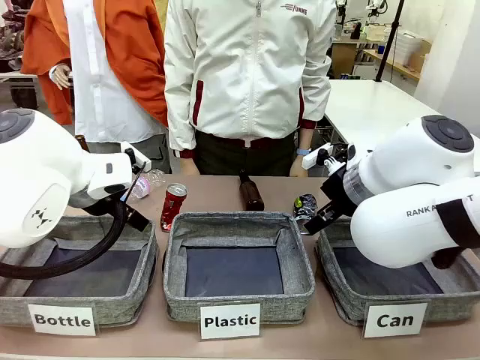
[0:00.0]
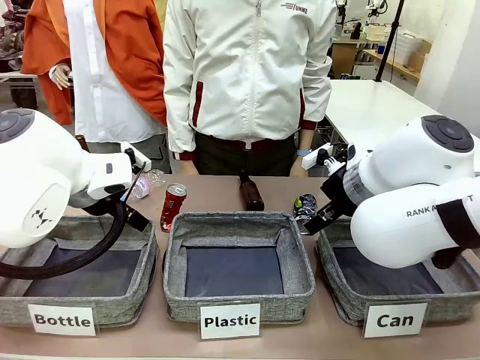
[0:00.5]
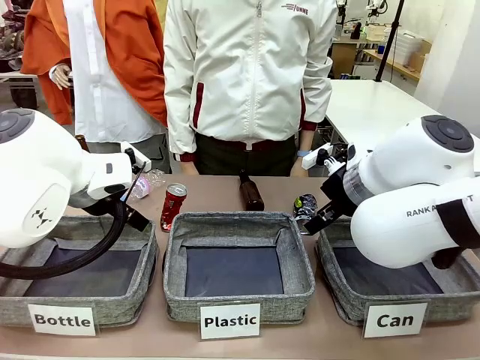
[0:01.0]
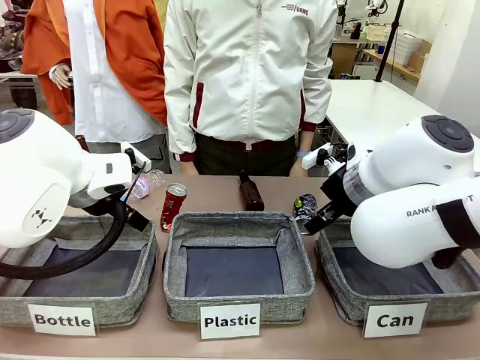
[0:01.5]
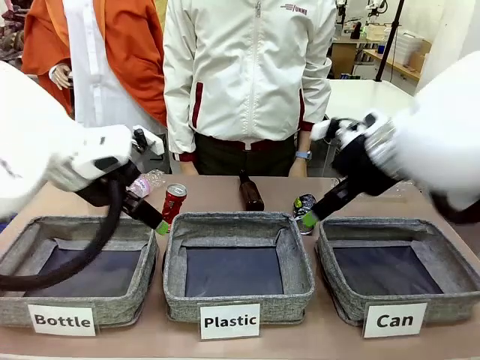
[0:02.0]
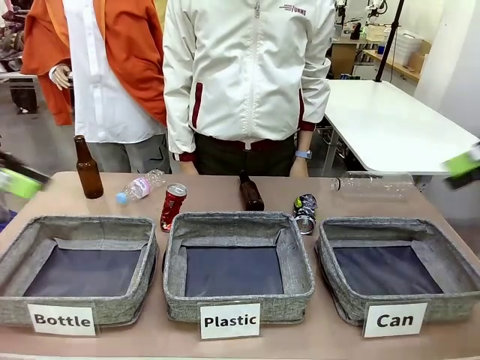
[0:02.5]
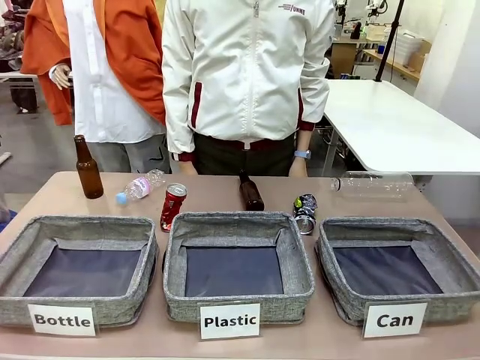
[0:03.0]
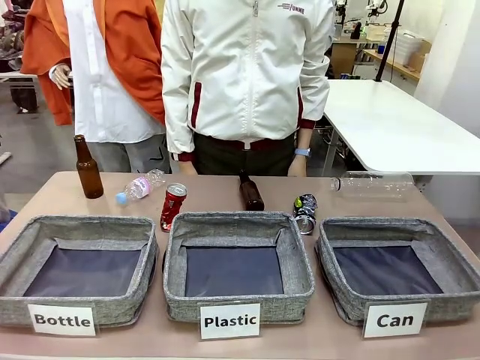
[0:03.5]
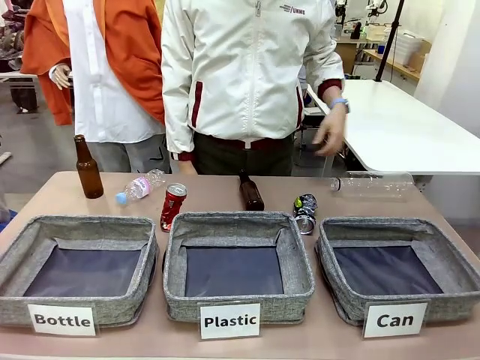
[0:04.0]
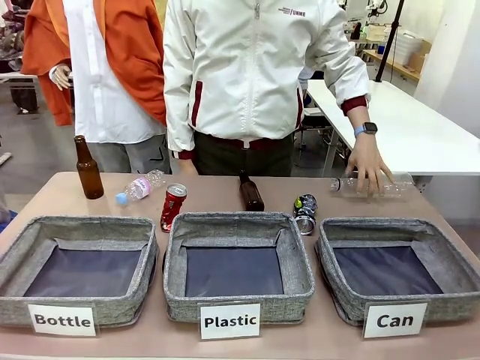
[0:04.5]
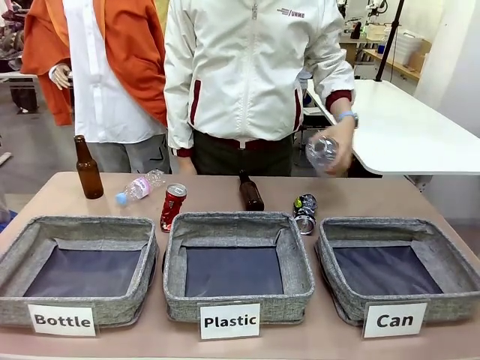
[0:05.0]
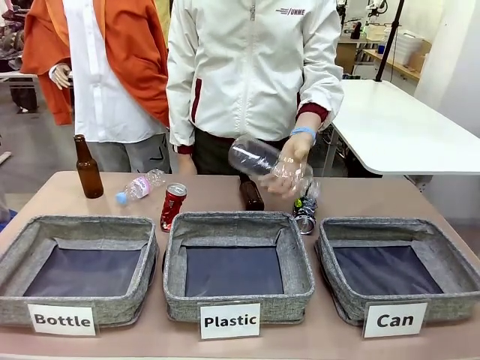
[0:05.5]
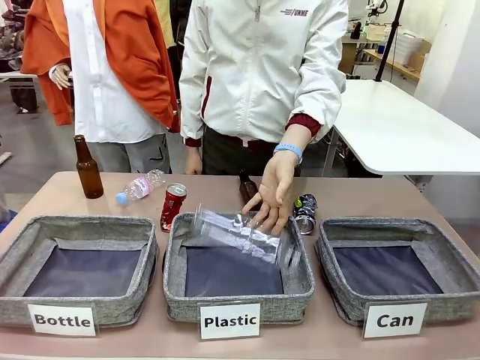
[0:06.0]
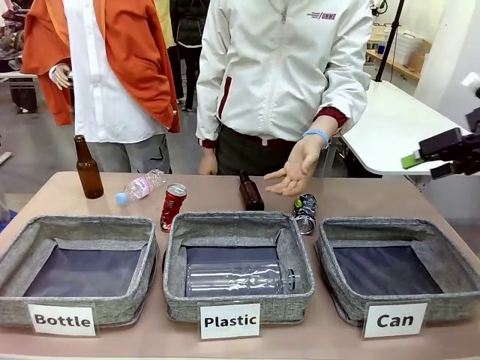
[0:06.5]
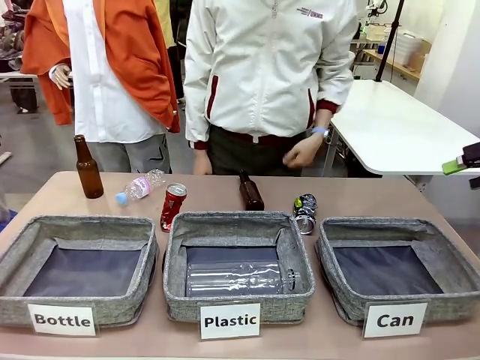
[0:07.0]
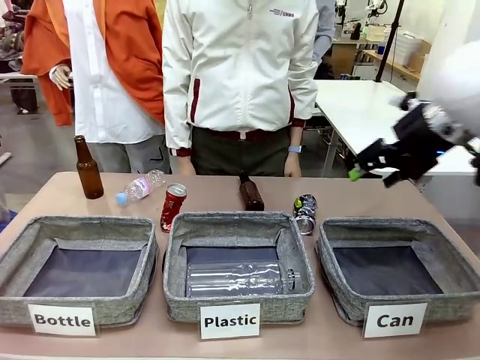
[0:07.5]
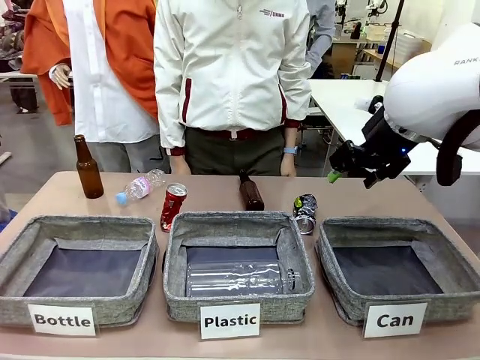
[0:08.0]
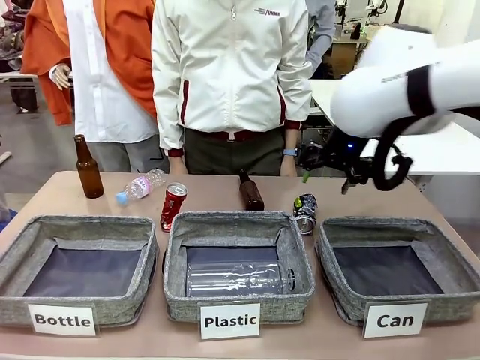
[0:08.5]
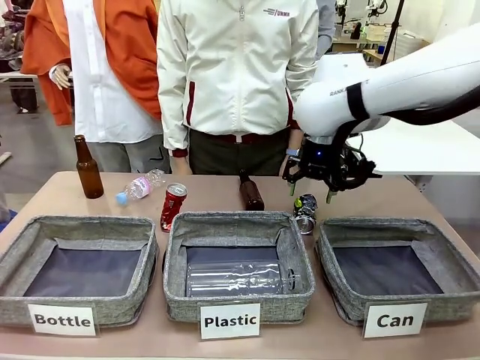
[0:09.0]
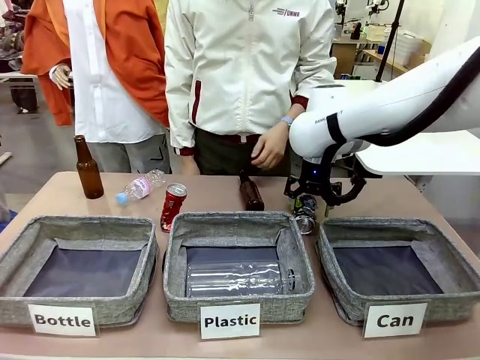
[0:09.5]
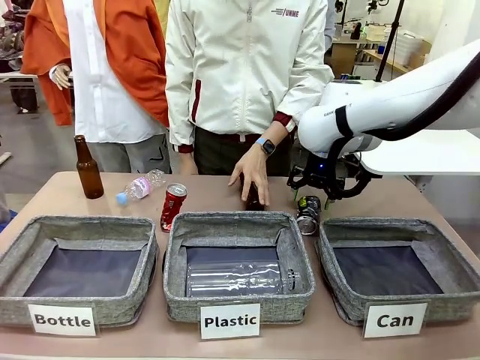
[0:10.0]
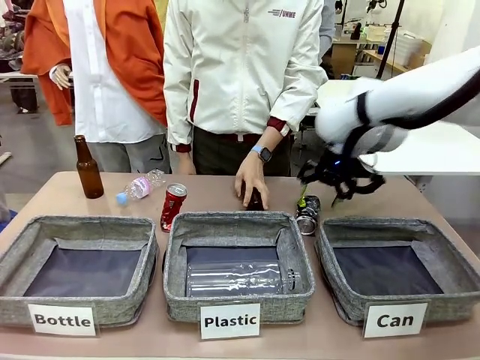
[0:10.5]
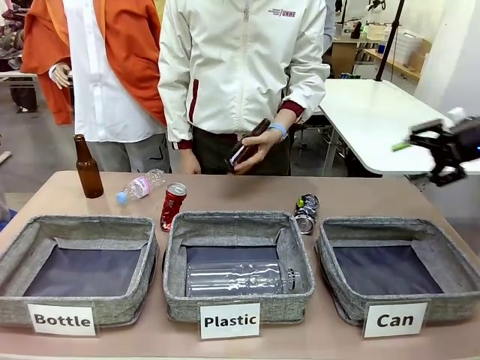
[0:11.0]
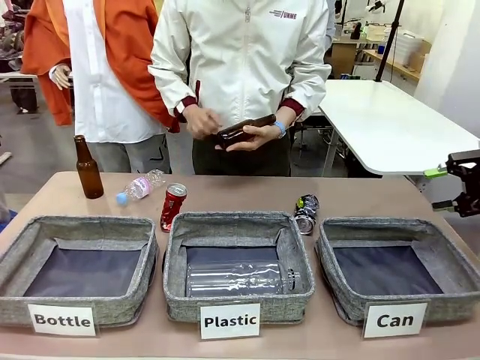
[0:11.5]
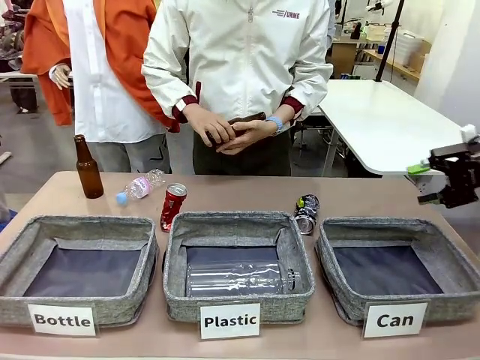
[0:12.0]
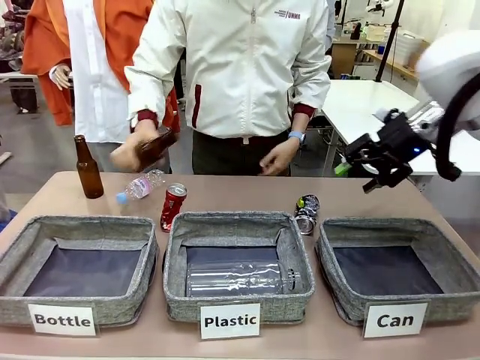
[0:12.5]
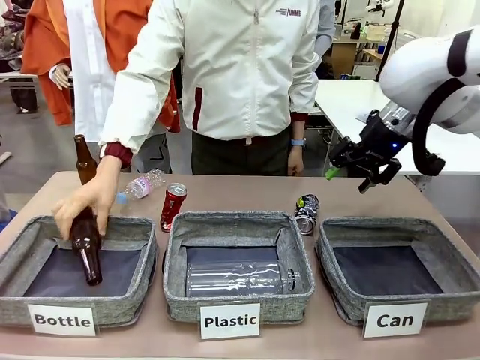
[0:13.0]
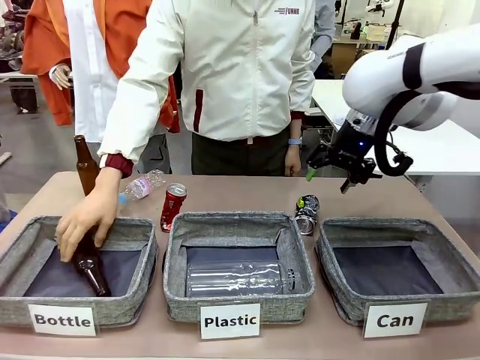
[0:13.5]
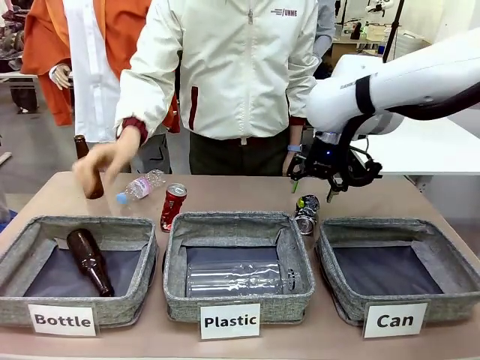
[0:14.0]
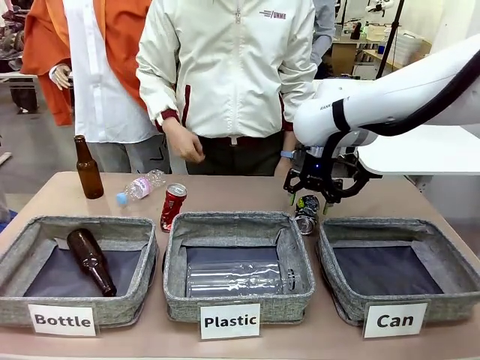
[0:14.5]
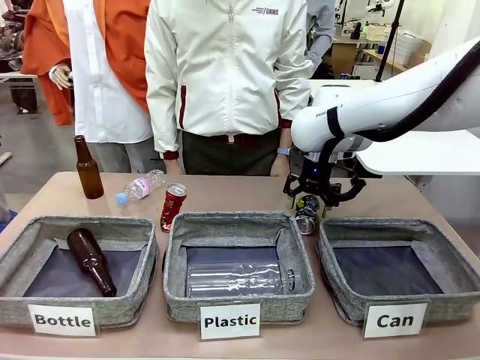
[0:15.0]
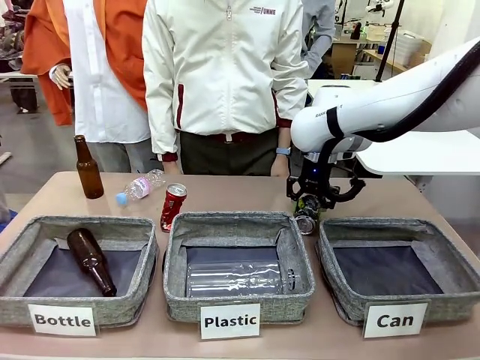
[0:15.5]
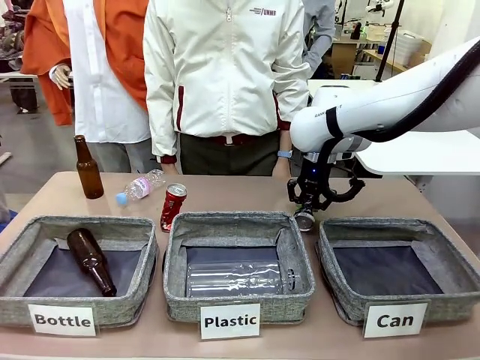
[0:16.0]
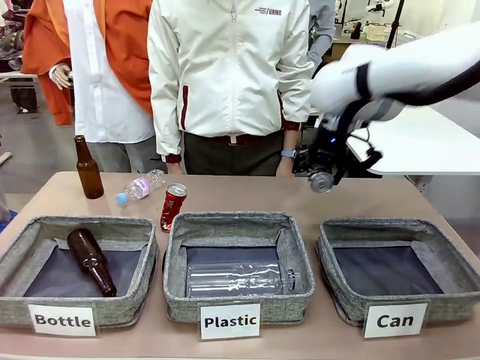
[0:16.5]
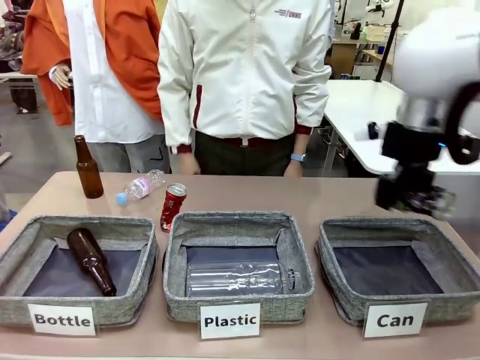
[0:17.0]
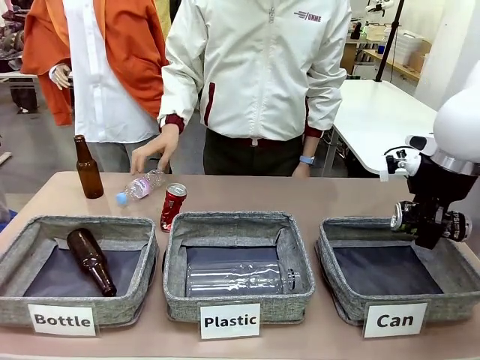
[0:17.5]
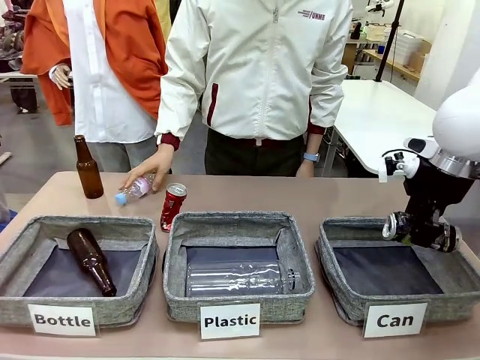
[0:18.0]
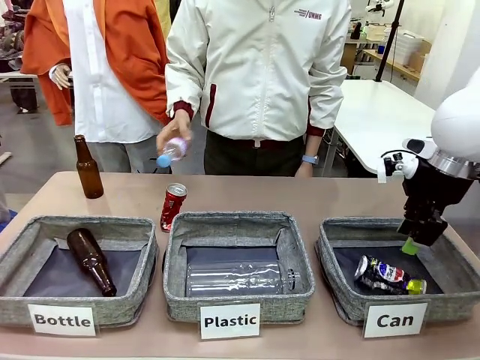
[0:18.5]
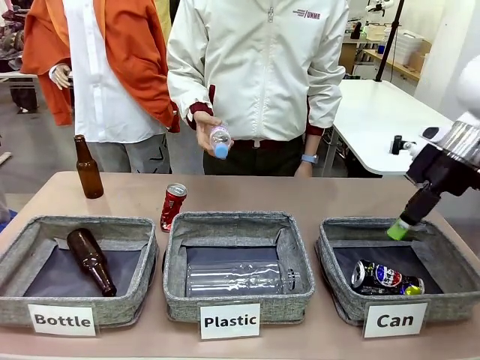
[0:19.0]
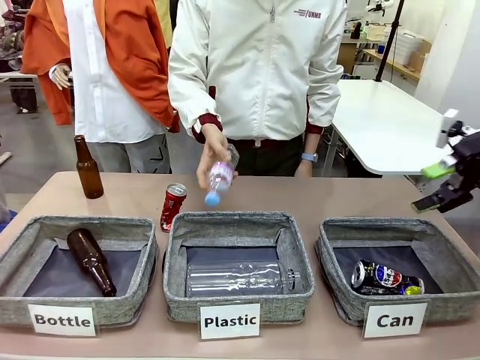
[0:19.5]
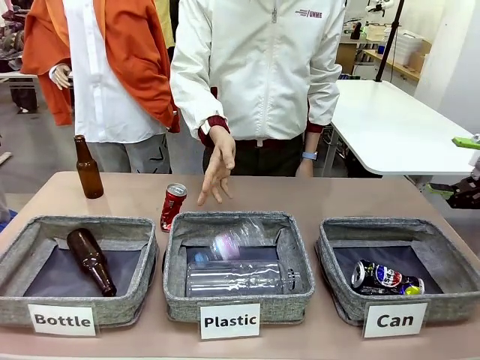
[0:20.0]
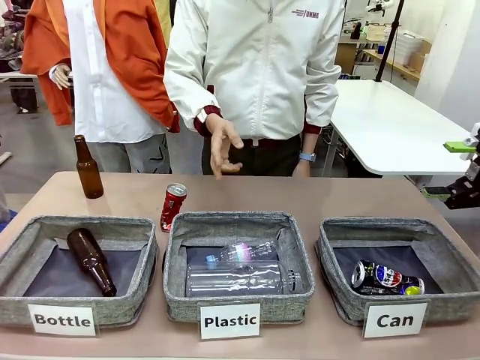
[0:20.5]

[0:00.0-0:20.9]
Task: Sort the can waste into the basket.
Robot: Pick up the can waste from the table and place it in the right Fabric basket.
